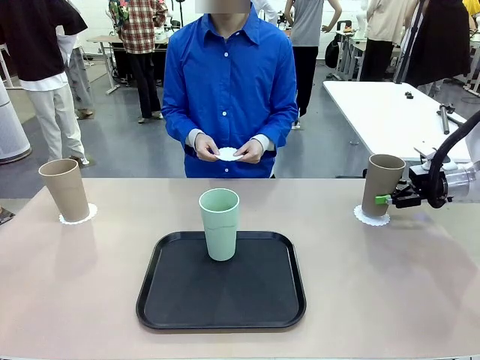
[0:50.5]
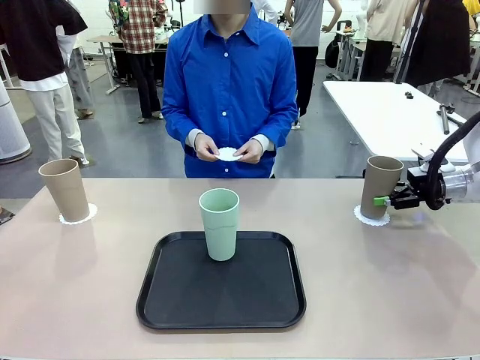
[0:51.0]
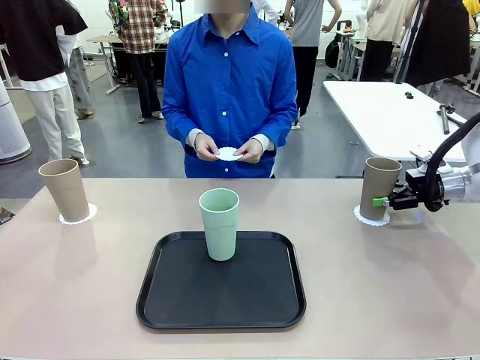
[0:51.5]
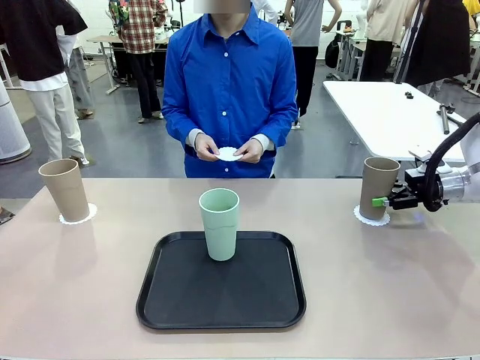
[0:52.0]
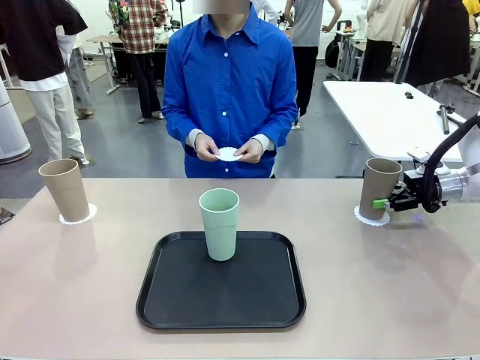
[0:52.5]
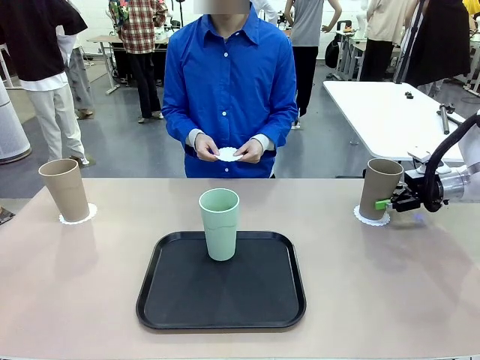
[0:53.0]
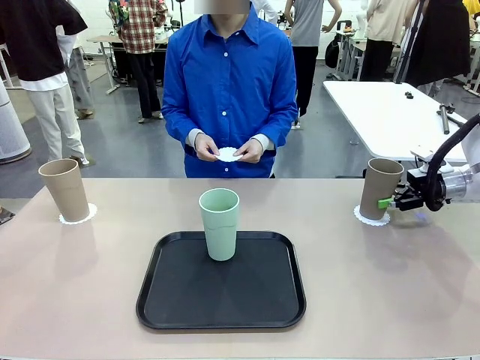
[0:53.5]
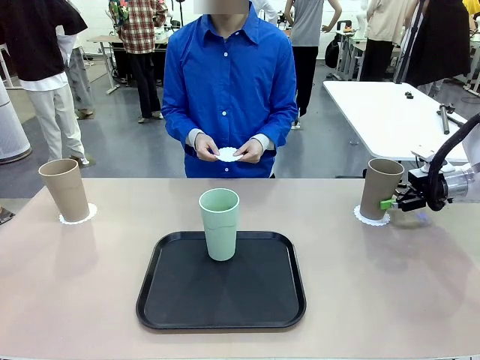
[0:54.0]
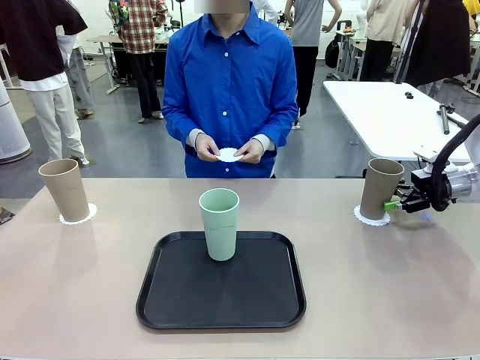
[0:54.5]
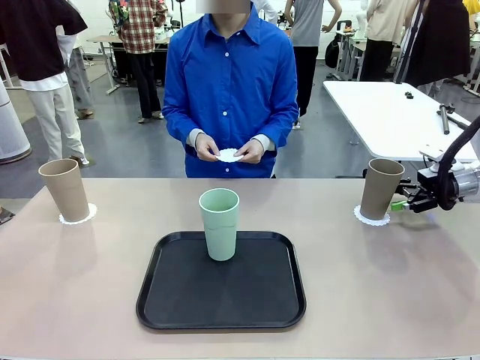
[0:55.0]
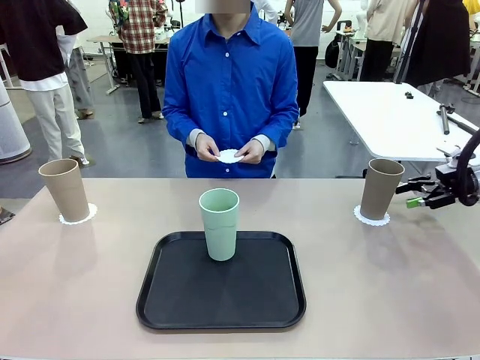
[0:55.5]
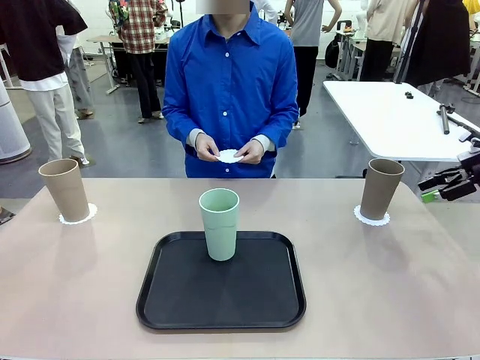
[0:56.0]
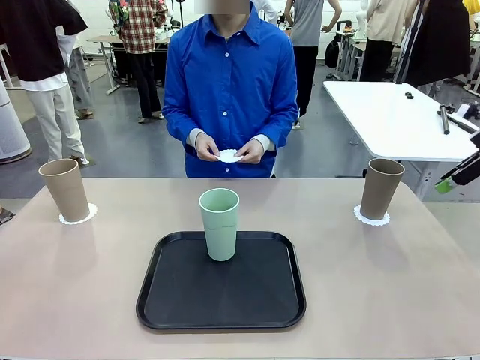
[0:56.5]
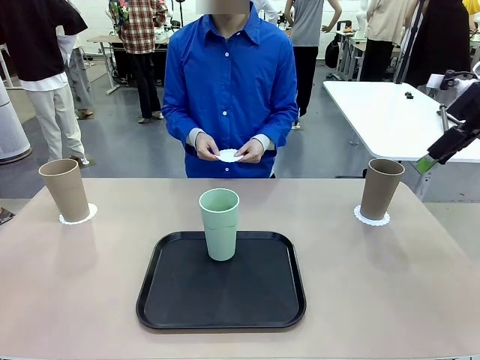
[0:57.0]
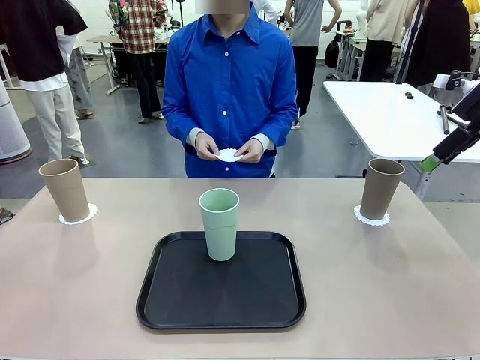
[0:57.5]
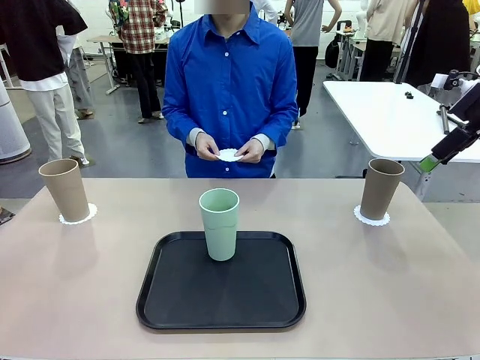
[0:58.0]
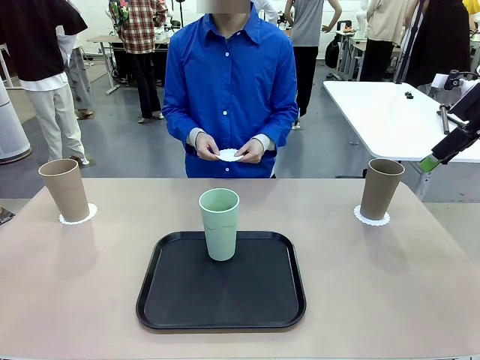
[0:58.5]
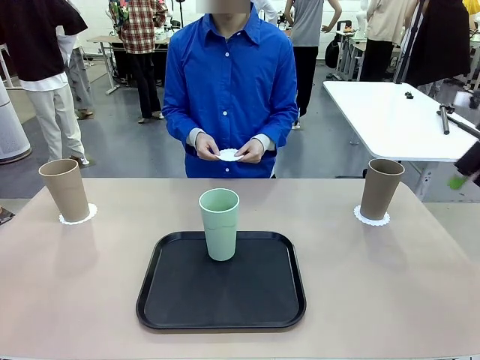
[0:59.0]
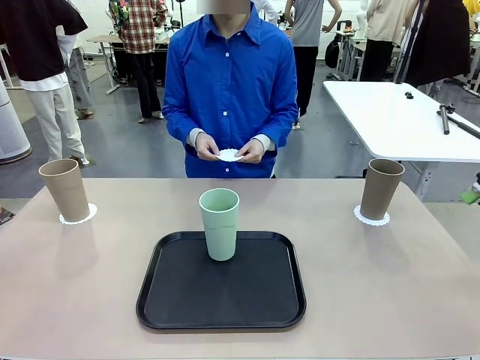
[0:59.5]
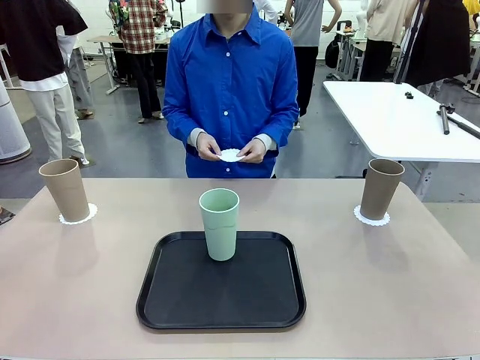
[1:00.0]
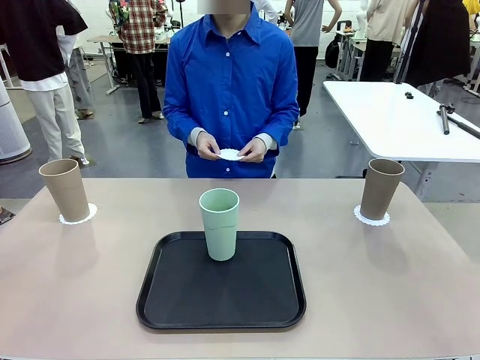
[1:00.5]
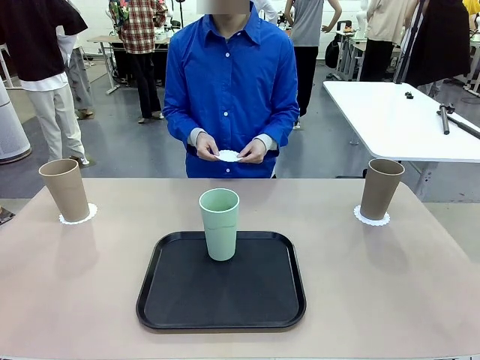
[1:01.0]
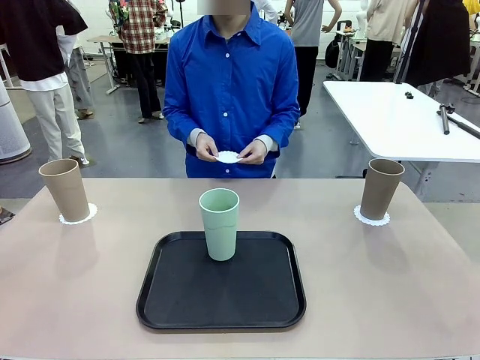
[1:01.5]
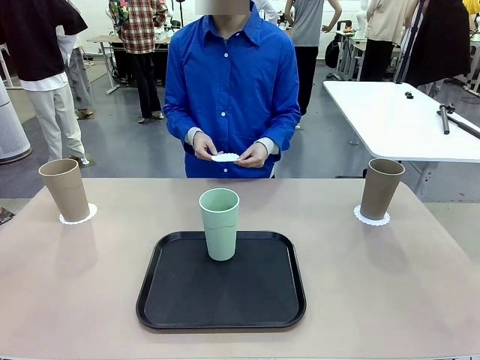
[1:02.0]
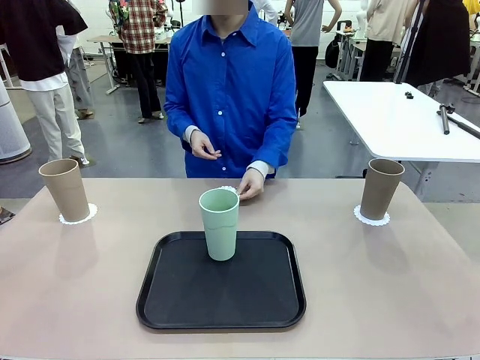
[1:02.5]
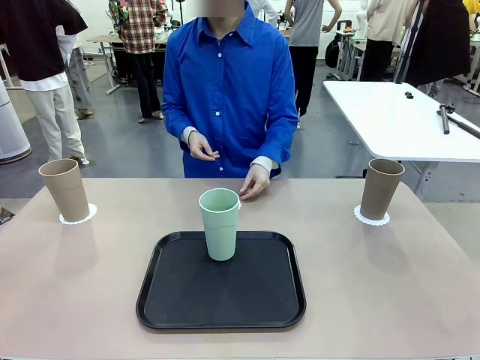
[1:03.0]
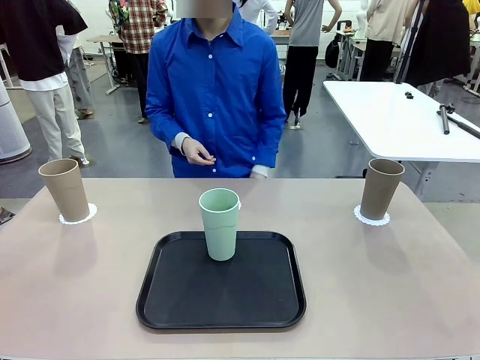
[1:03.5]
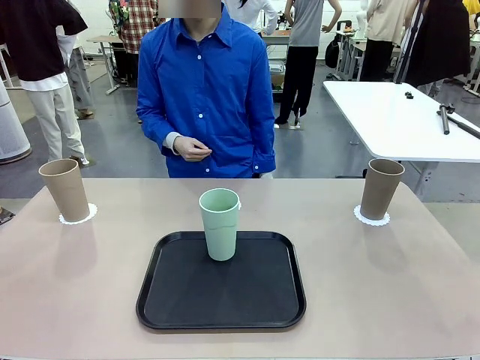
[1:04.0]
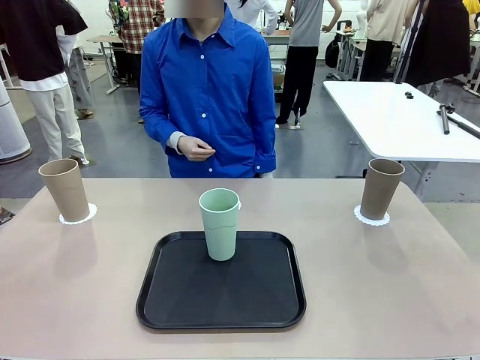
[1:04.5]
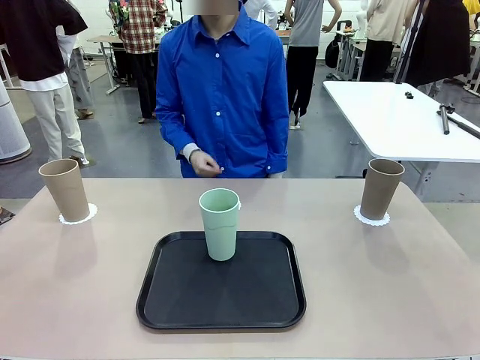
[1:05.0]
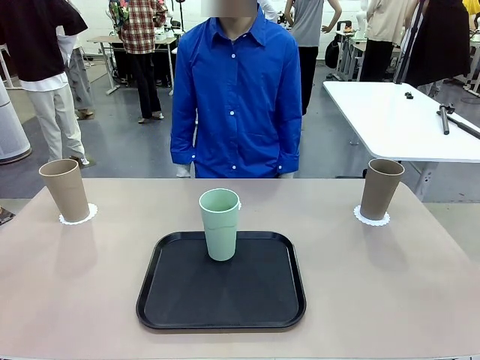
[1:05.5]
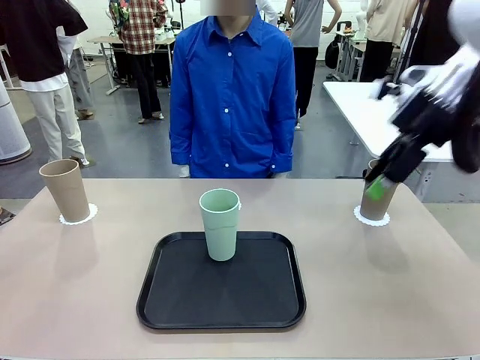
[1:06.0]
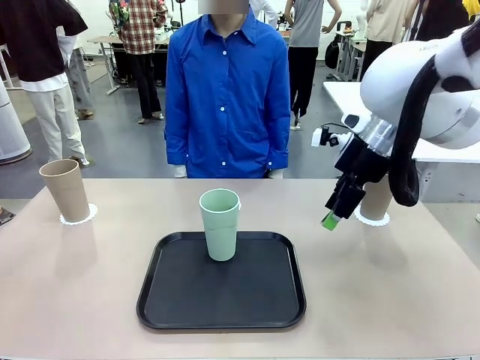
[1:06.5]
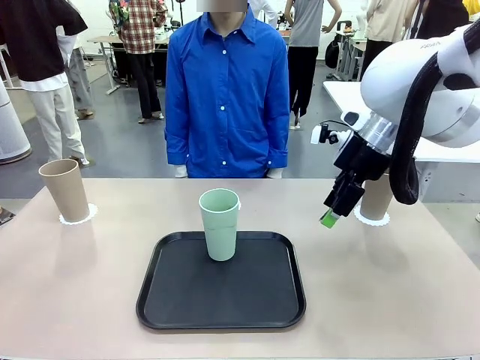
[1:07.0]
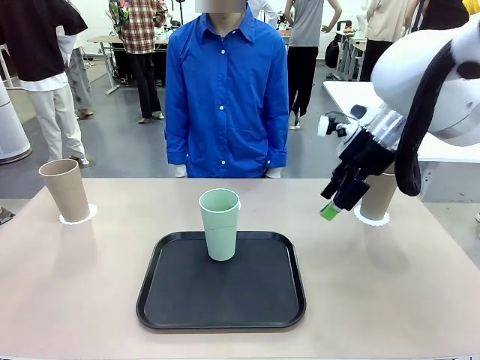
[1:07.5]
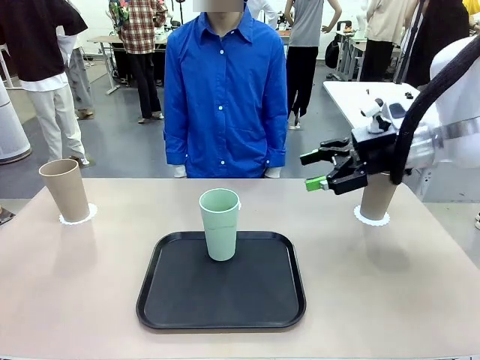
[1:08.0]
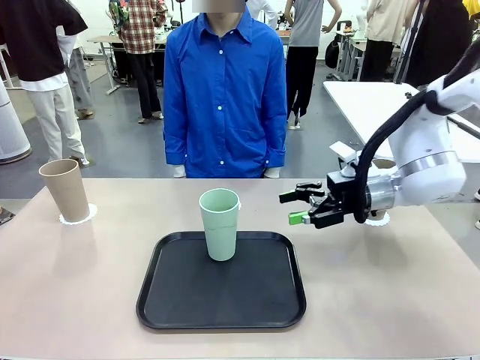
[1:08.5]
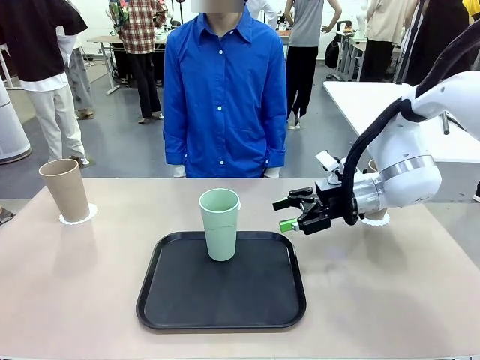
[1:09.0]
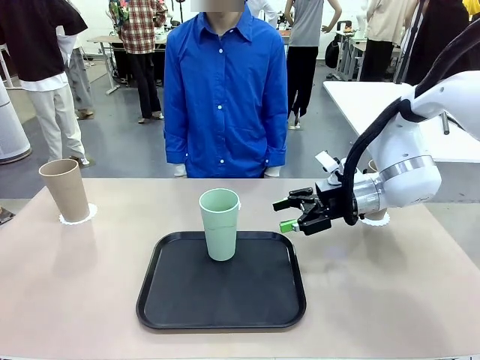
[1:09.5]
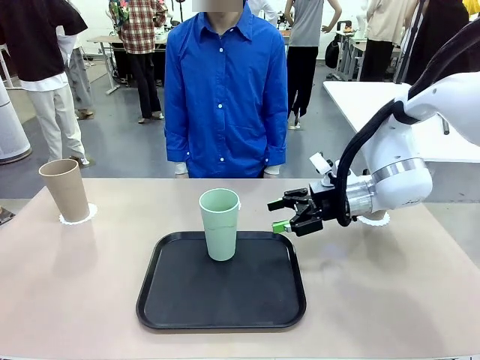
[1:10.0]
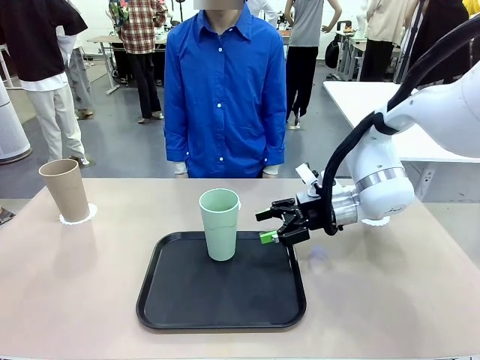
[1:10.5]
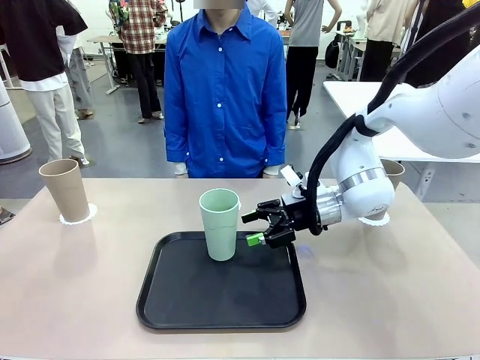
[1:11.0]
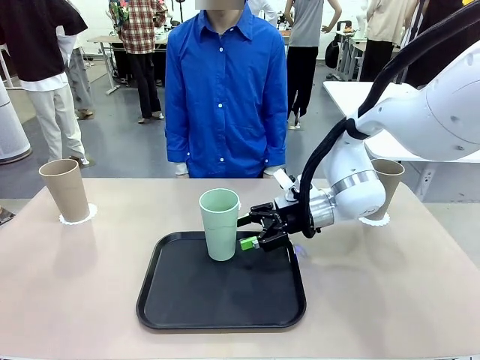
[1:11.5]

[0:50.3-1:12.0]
Task: Place coasters on the table and set cups on them.
Robot: Take one Reusable plastic cup from the Flat Tray and place it on a coaster set by the human.
